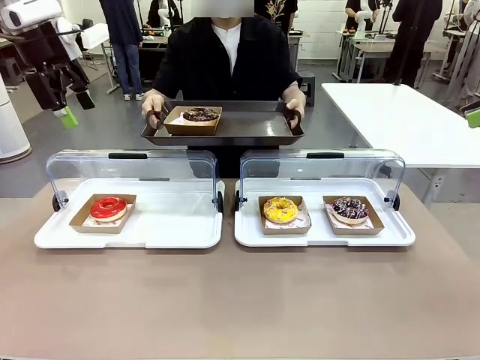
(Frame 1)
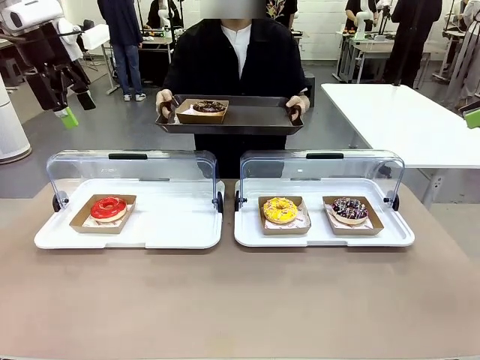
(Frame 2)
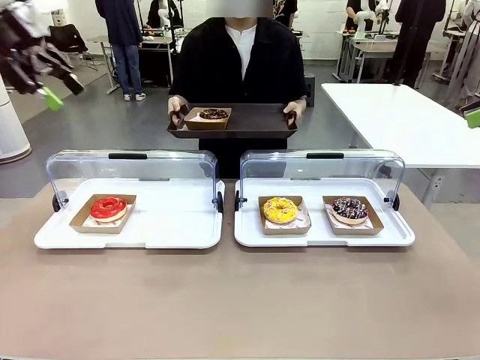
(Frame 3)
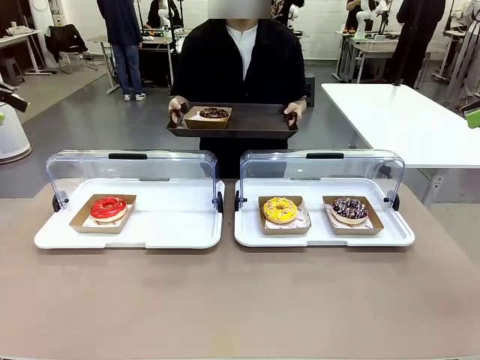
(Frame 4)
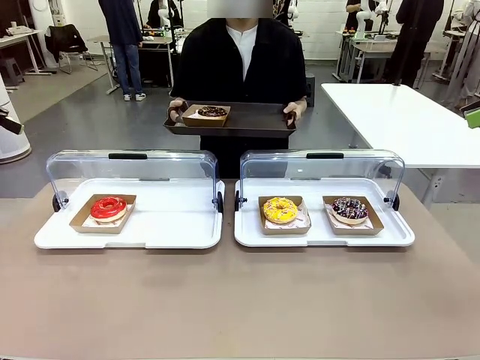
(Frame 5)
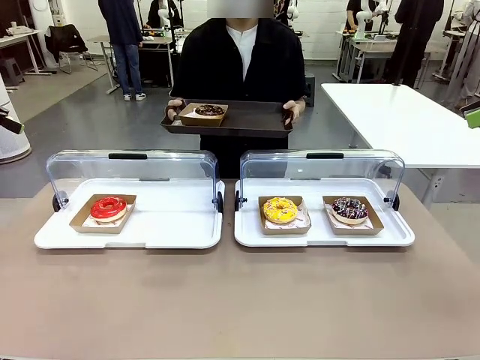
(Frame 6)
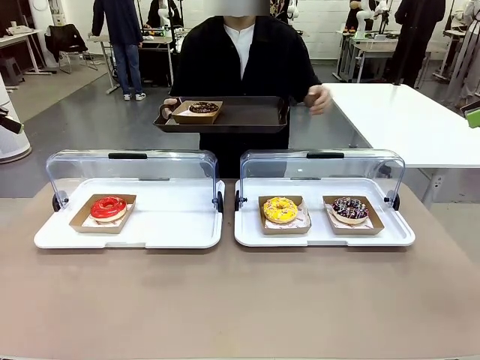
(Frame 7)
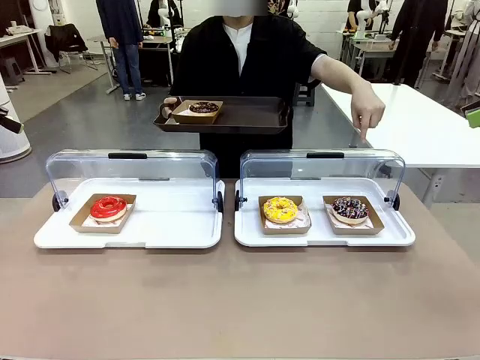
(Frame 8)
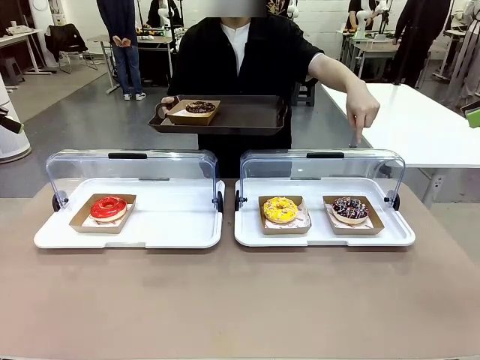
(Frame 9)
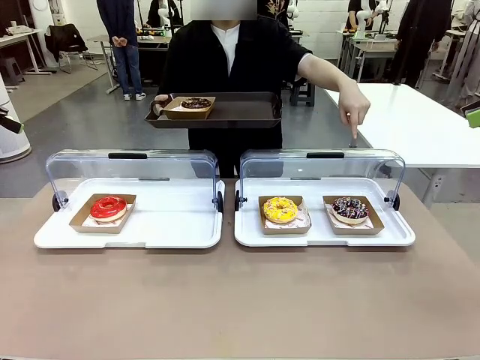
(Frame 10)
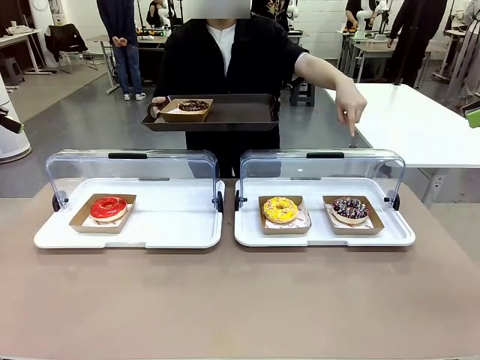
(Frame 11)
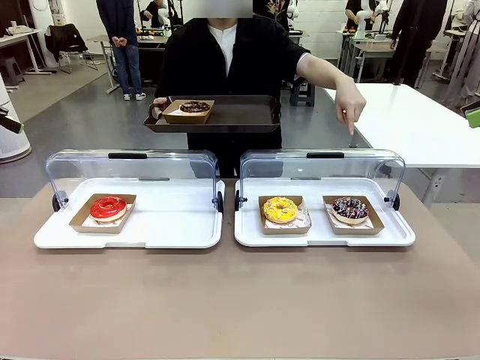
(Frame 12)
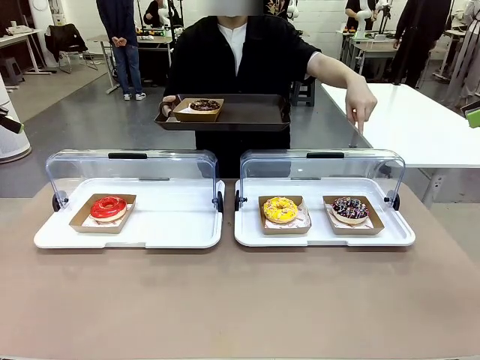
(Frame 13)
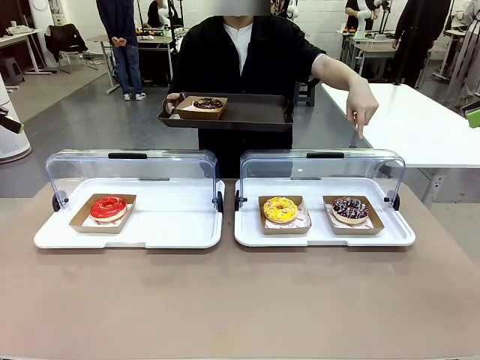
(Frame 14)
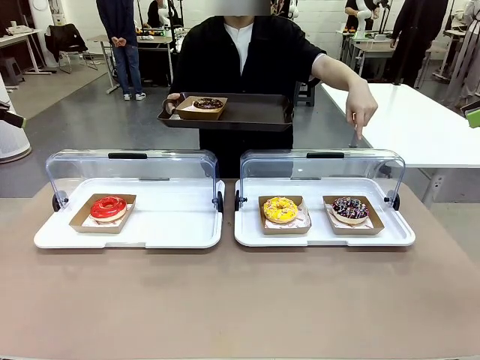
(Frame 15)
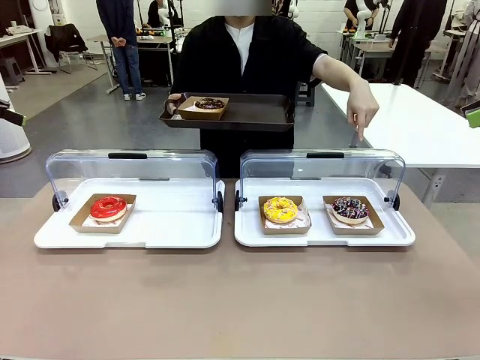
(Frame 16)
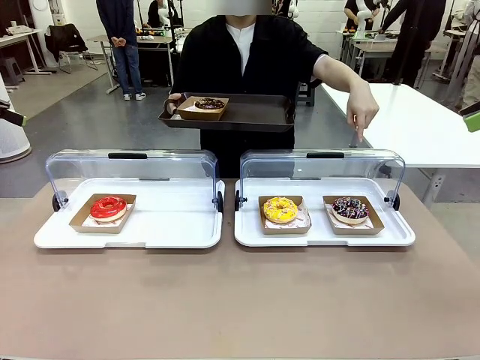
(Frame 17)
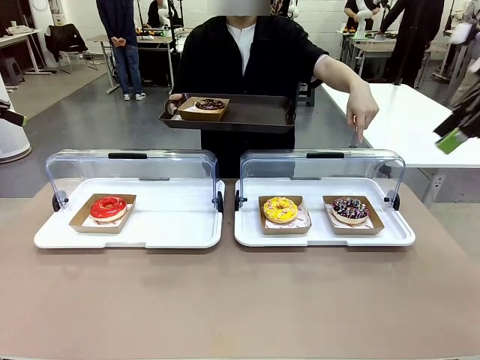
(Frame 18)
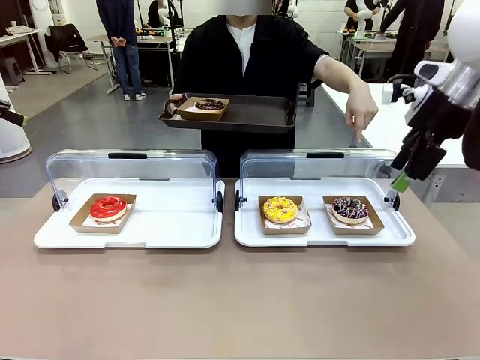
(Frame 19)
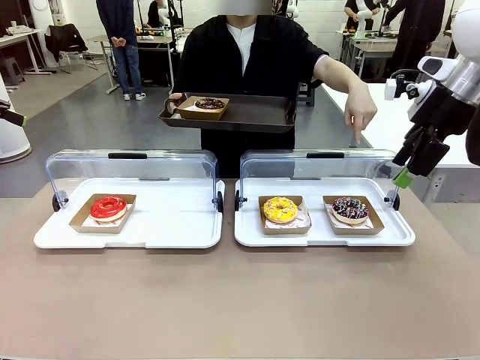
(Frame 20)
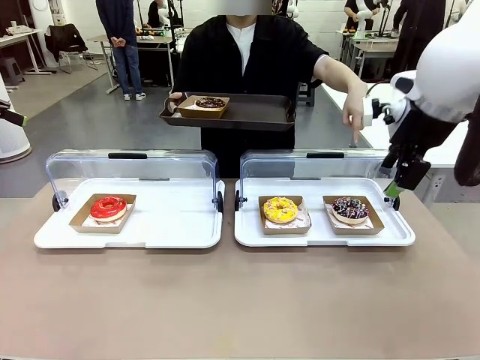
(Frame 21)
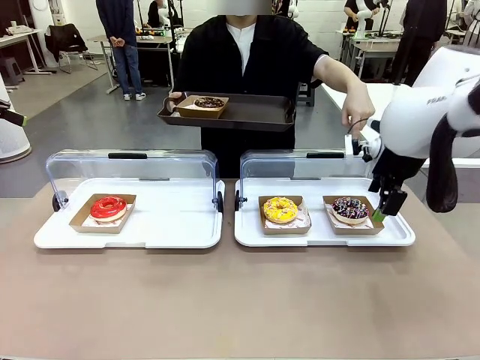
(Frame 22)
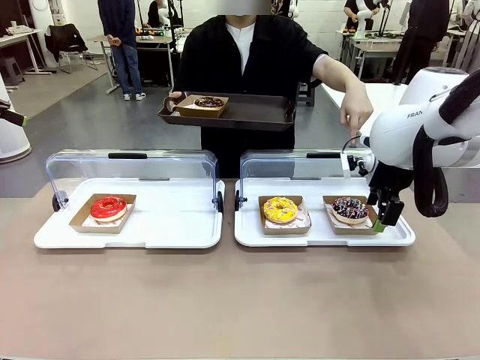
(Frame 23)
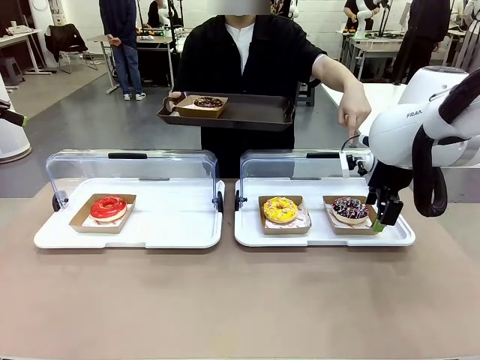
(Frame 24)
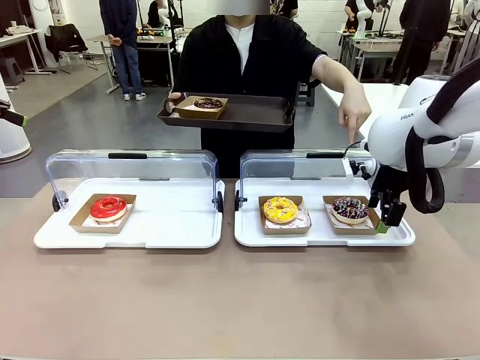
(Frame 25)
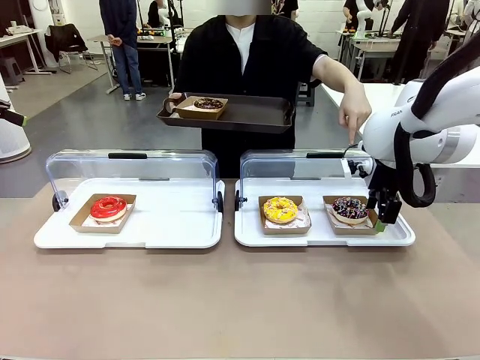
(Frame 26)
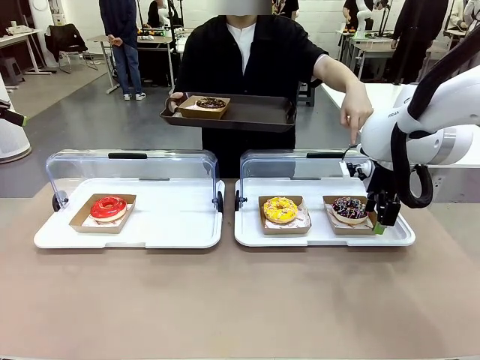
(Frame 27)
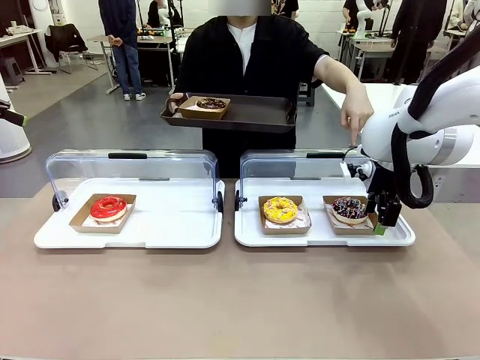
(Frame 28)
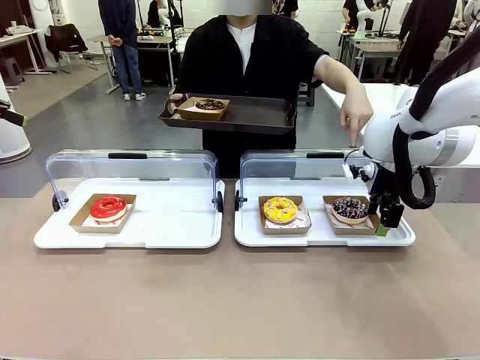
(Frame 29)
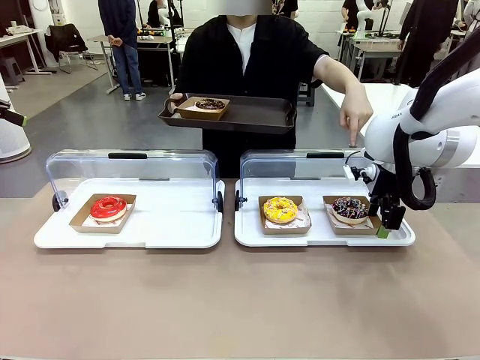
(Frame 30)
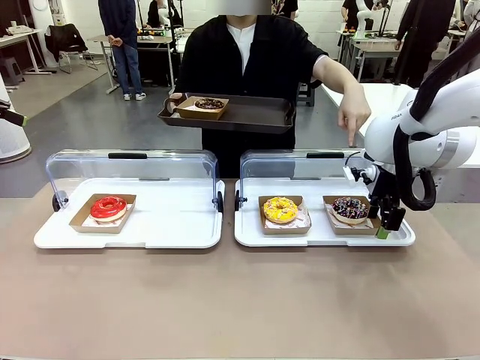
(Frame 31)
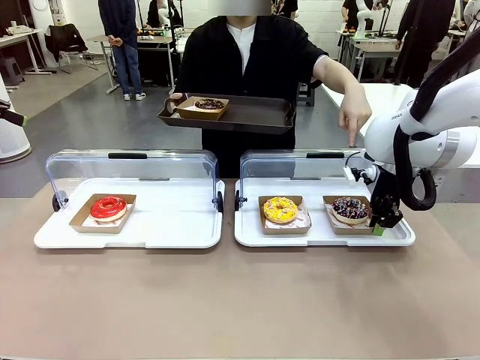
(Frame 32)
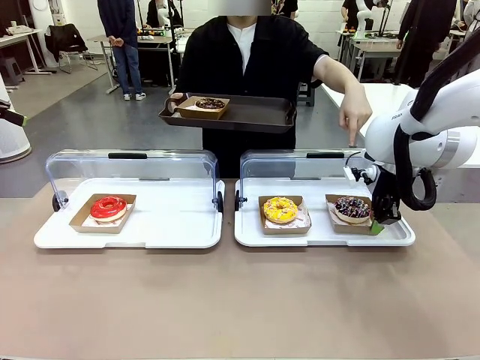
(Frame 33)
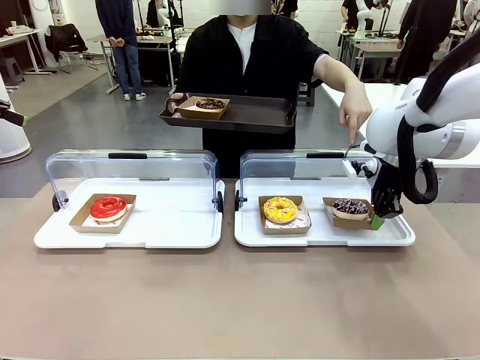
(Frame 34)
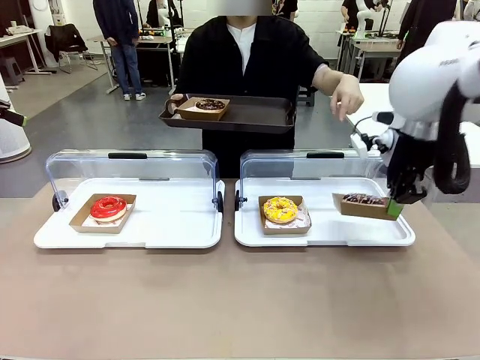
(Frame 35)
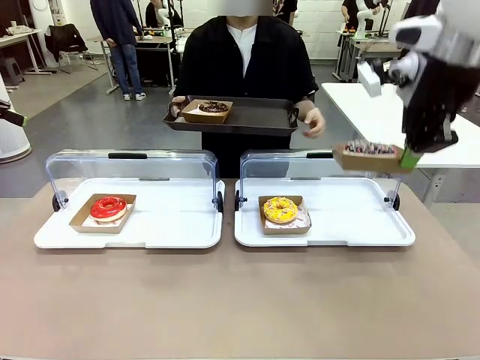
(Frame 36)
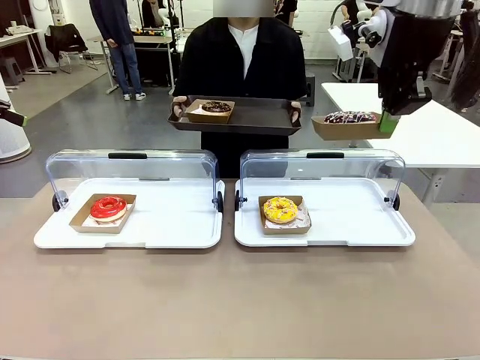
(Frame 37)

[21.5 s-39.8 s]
Task: Provide the desired donut to the person.
Robot: Pick up and lift the Paper togo box containing the Donut pointed at by the person.
Person: Point to one donut. Lift the tray onto the Roll-Top Bakery Case.

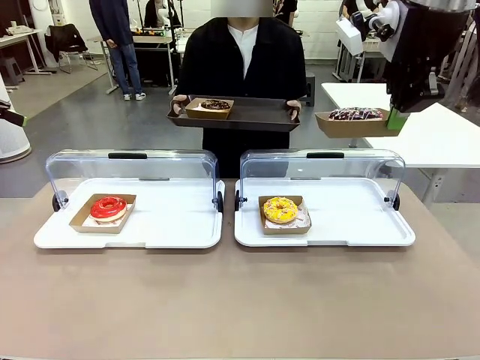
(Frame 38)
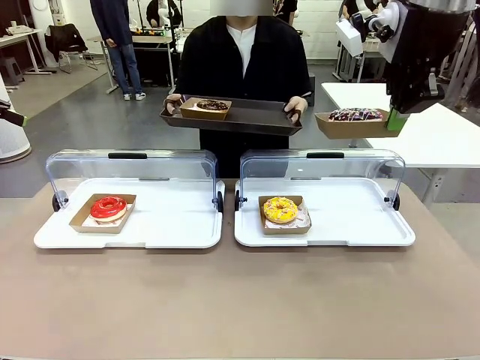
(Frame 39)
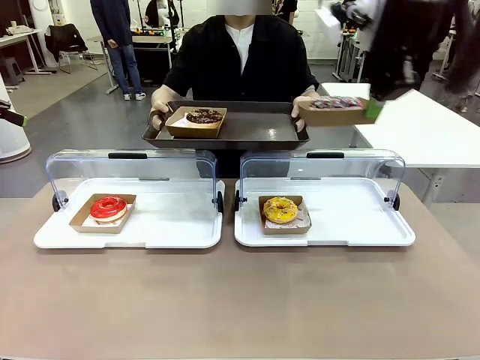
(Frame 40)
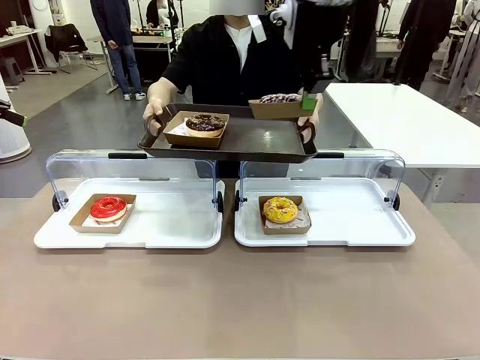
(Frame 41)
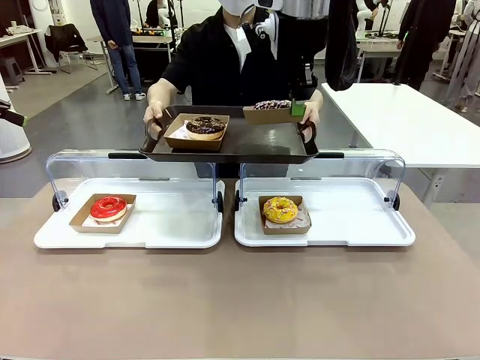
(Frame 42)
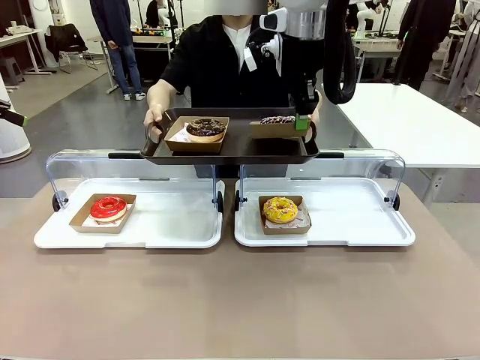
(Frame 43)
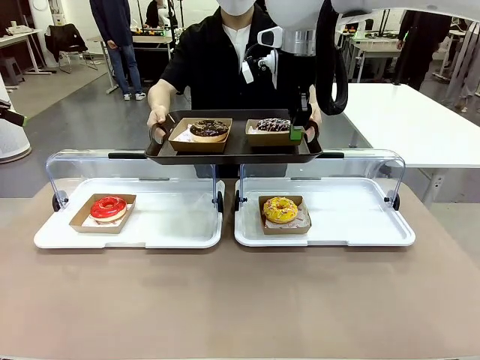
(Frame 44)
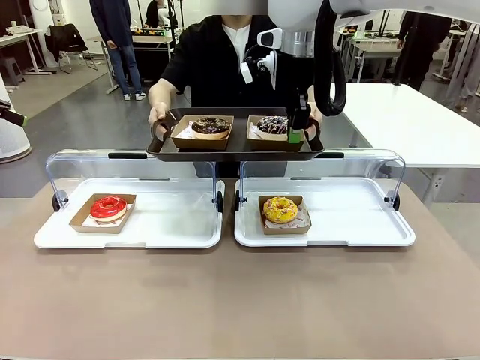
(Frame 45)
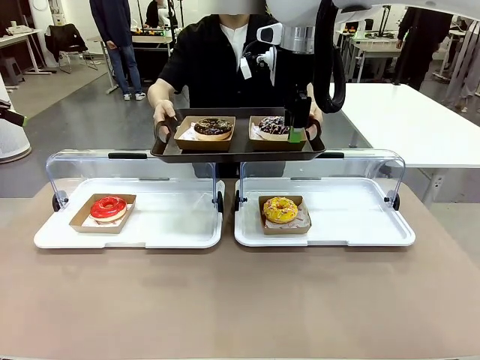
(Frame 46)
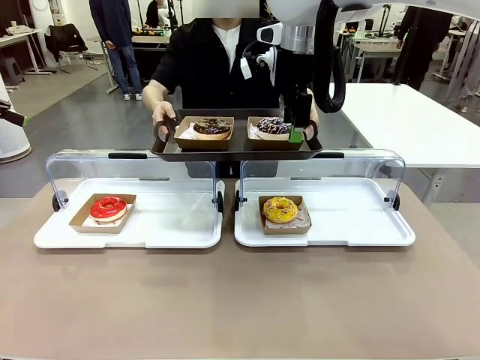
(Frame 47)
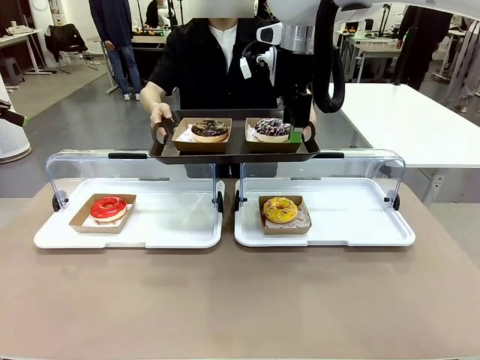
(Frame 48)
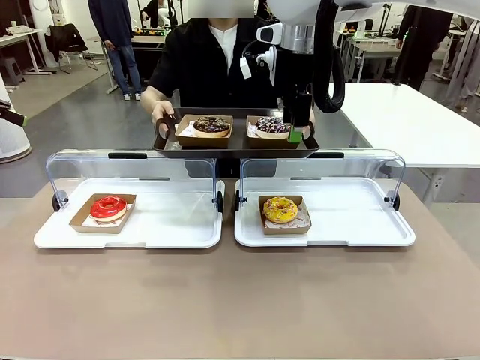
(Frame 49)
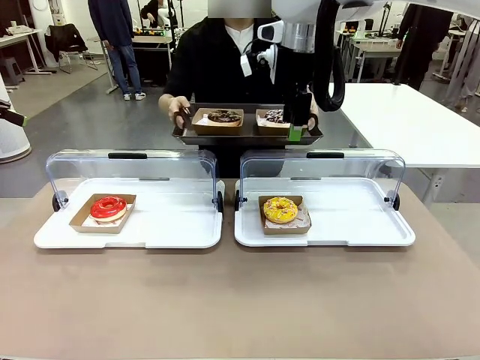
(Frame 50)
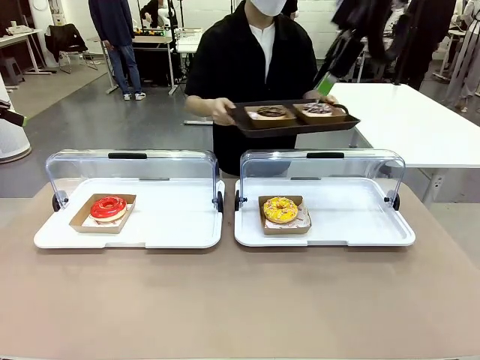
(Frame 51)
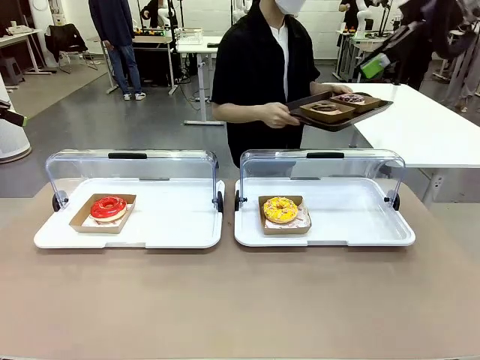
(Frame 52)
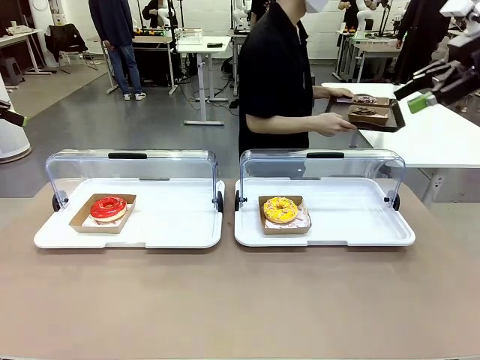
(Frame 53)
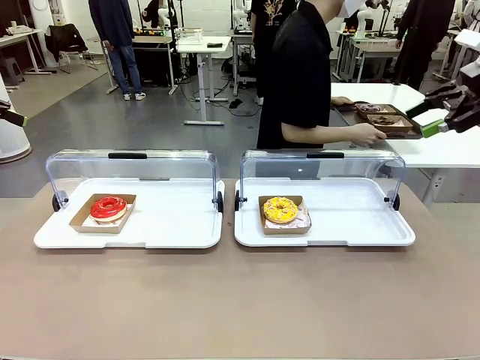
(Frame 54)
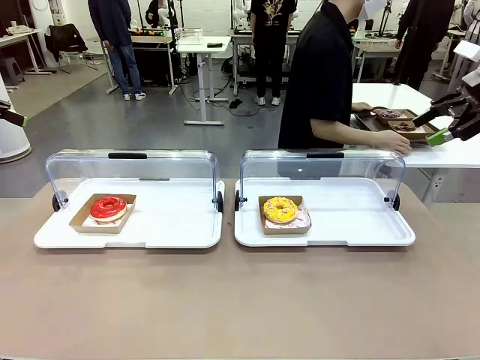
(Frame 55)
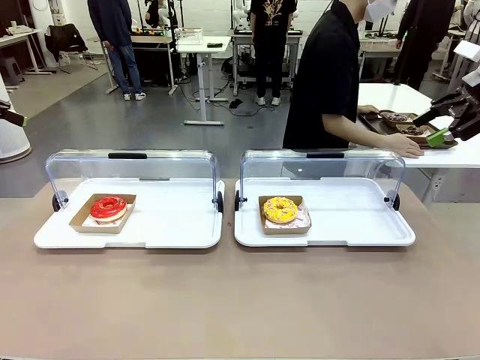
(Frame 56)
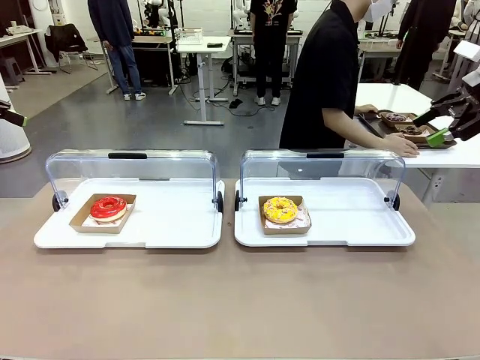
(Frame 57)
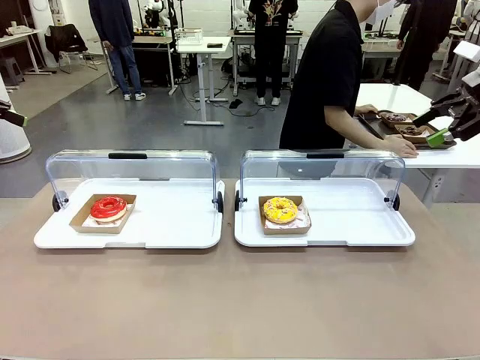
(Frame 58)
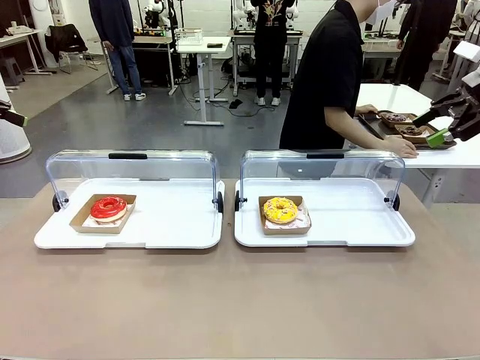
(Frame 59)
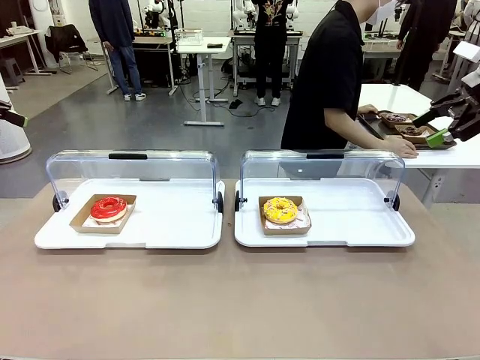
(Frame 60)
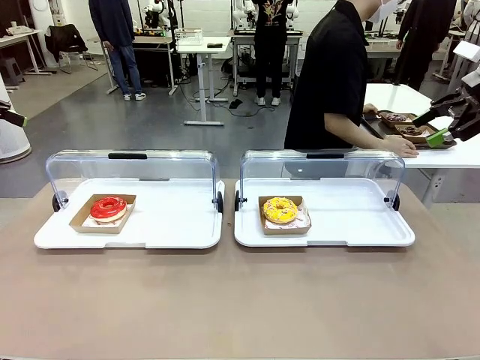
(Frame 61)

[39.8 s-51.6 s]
Robot: Place the picked Paper togo box onto the Handle tray extended by the person.
Person: Place the tray in the middle of the human table.
